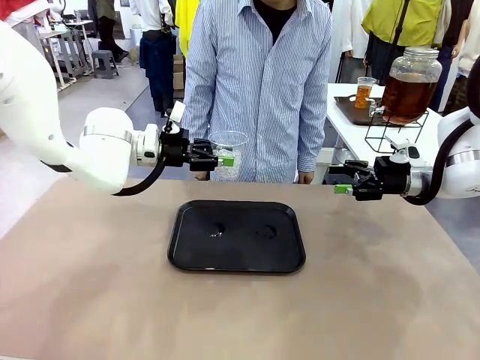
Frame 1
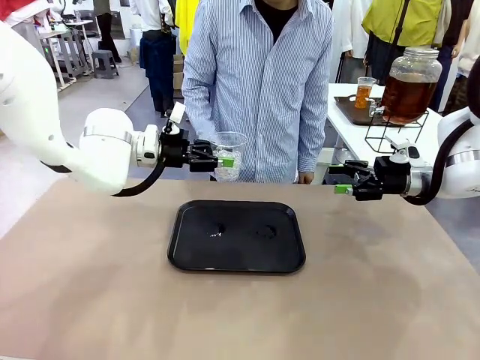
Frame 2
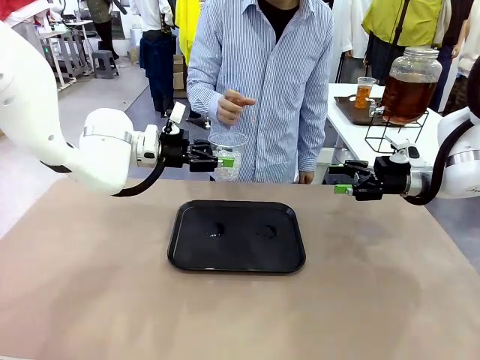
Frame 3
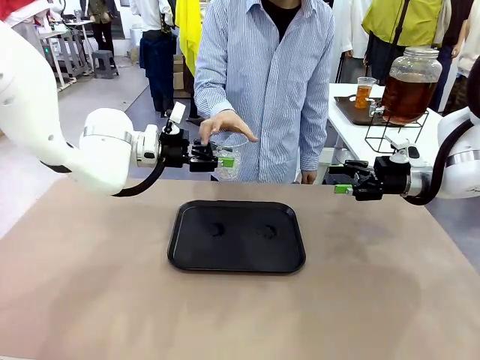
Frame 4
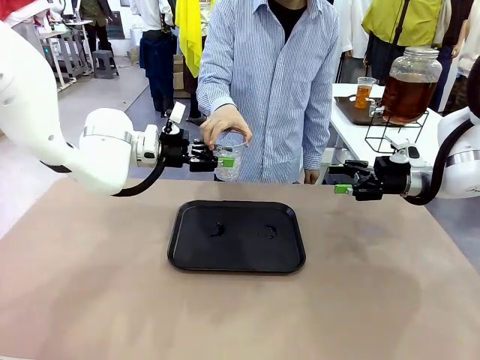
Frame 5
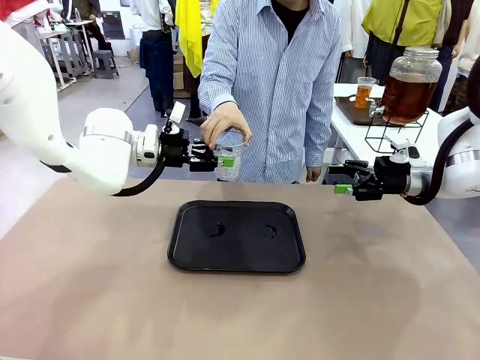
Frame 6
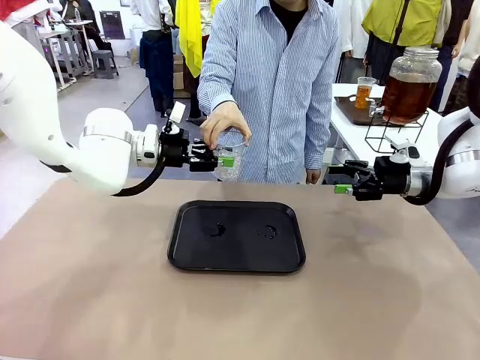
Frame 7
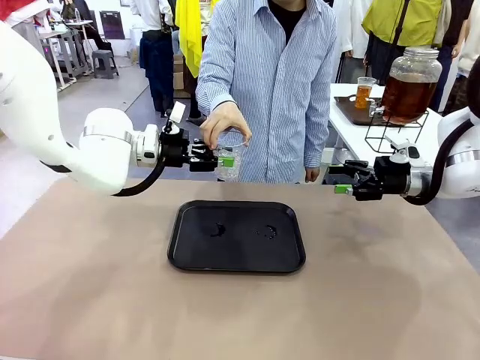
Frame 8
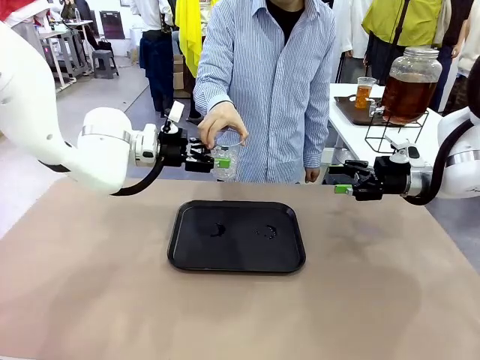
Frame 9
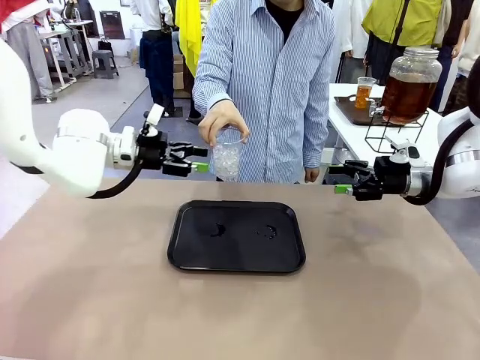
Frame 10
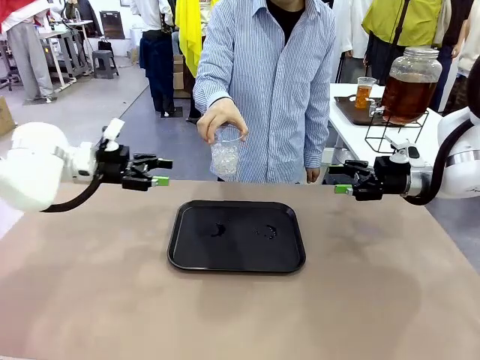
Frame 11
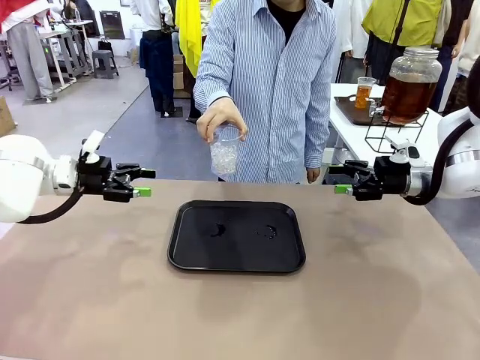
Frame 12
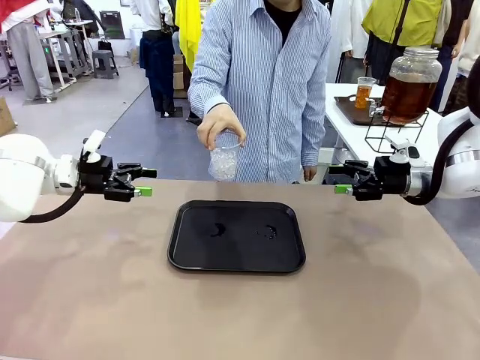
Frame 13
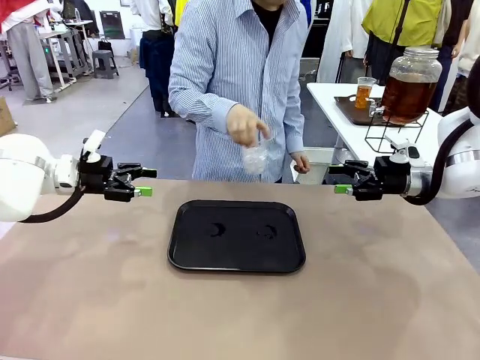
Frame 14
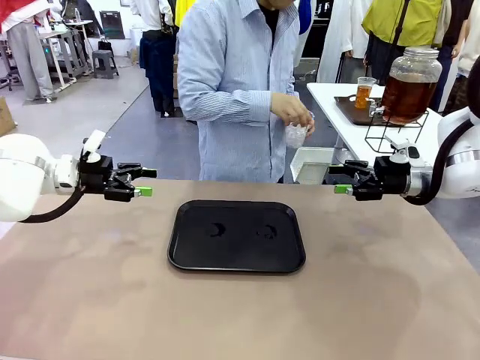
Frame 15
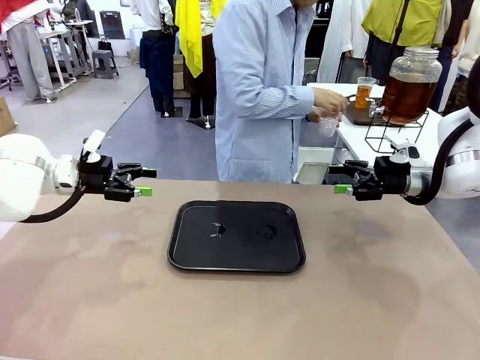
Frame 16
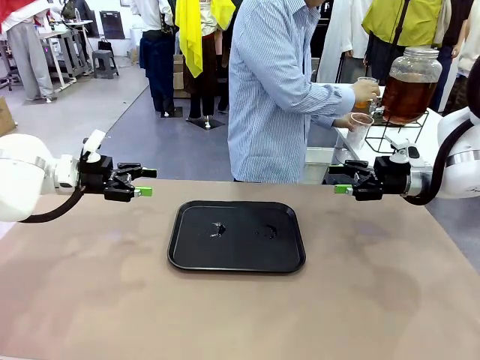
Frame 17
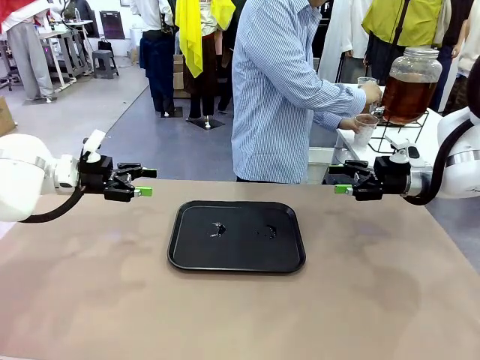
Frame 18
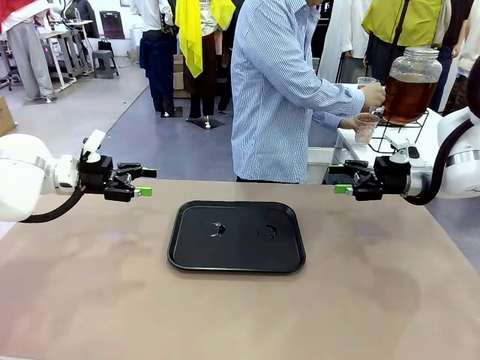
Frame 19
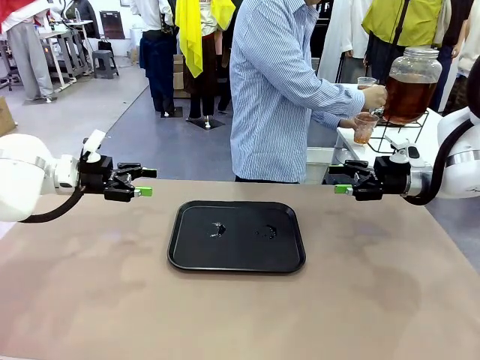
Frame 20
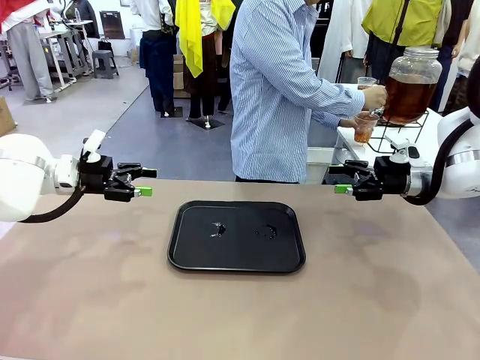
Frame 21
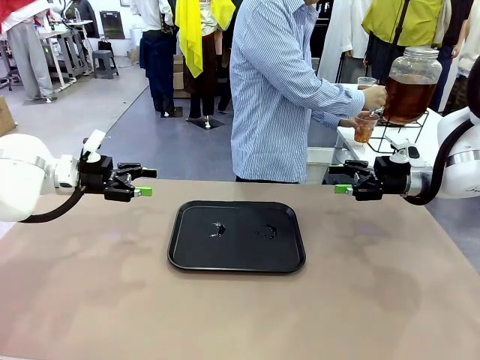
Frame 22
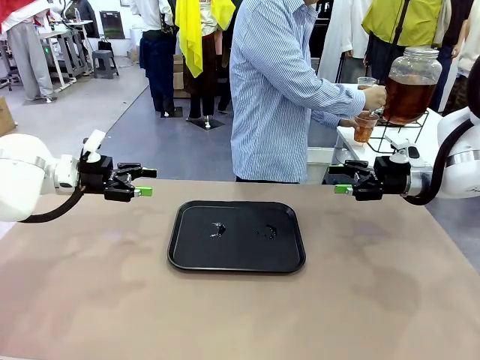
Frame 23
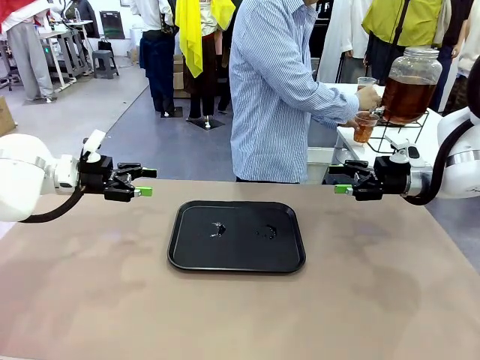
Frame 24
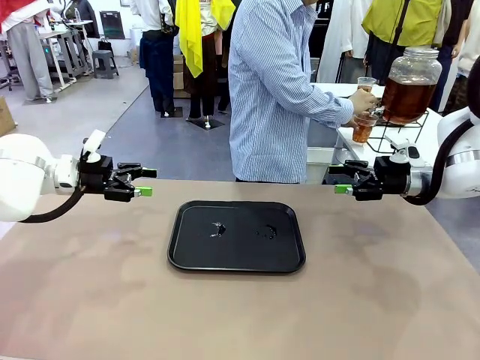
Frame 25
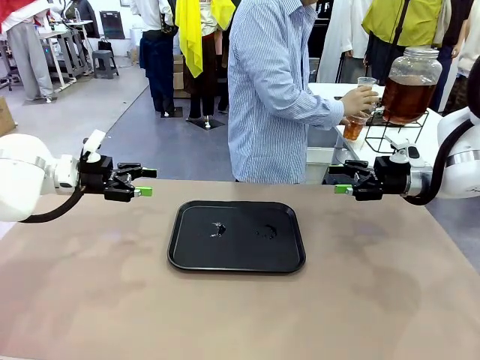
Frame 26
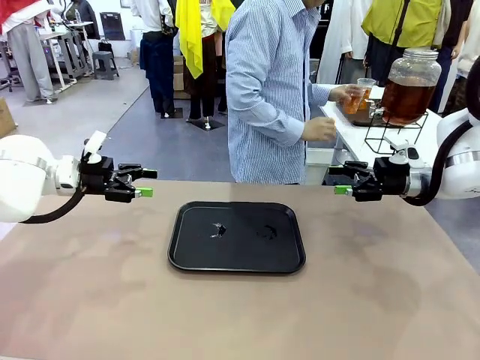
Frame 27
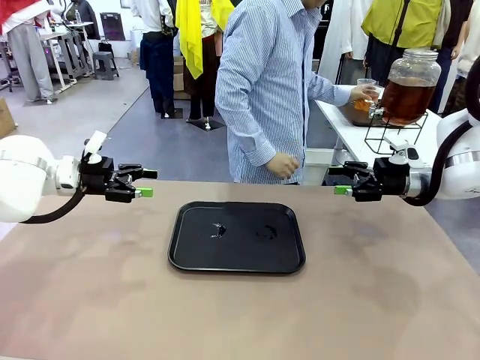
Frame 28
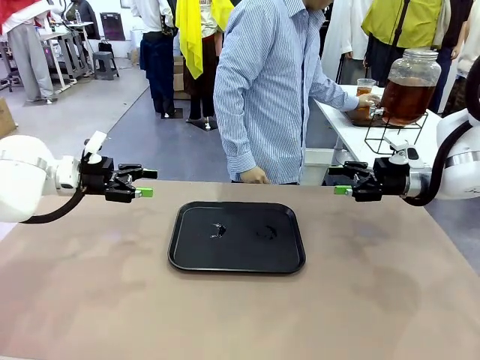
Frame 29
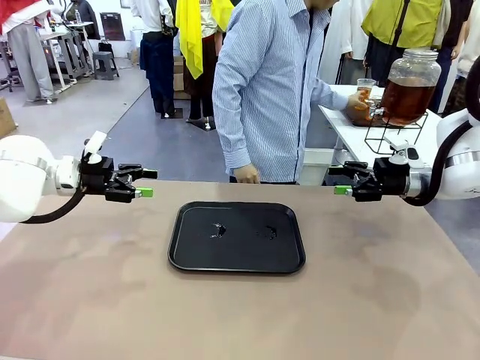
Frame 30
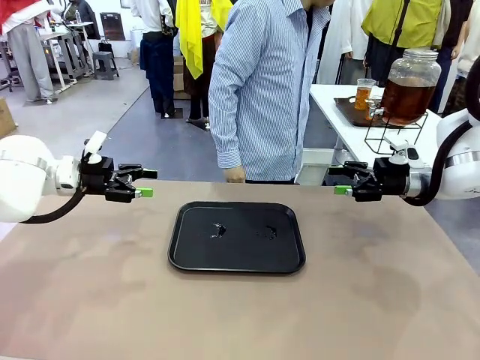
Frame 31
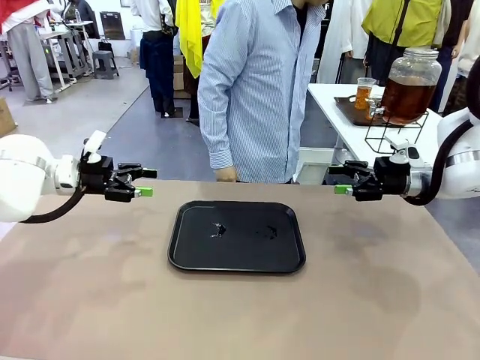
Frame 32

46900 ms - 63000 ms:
Task: Pour the drink into the iced cup.
Robot: Open the gripper to release the iced cup you were holding.
Person: Move the picked-up cup under the dispenser faucet, pour the drink, and place it on the tray on the human table.

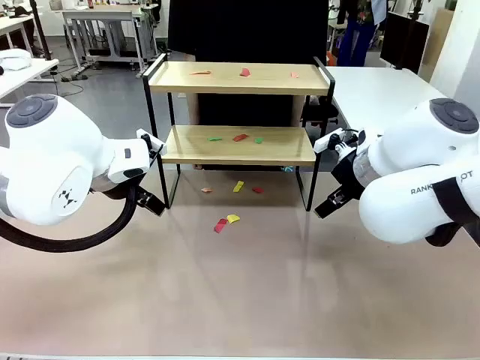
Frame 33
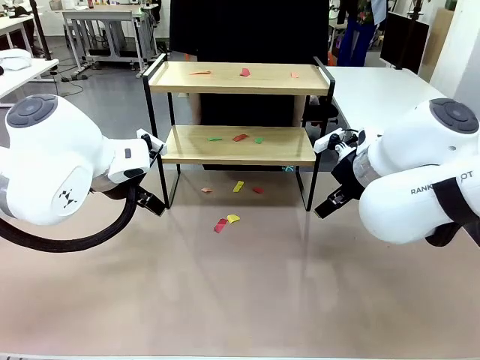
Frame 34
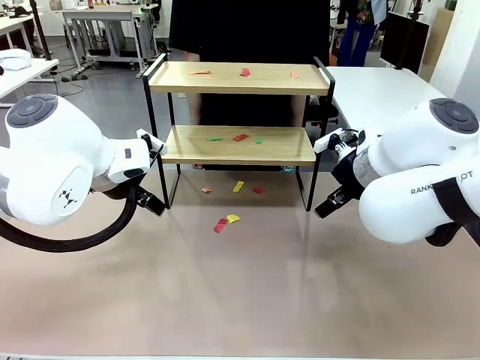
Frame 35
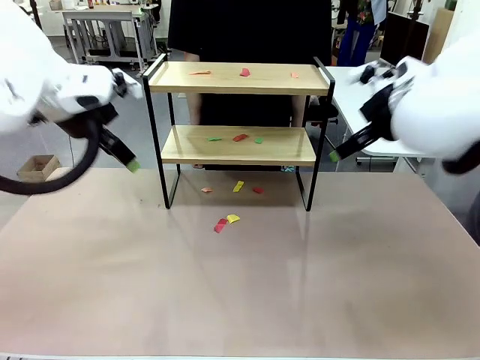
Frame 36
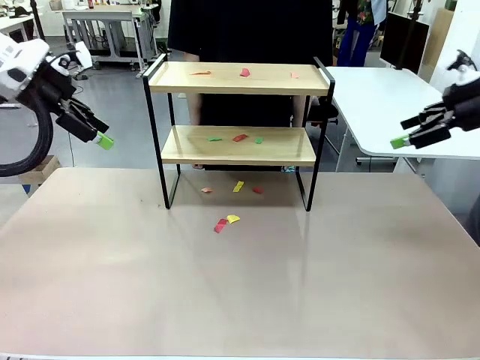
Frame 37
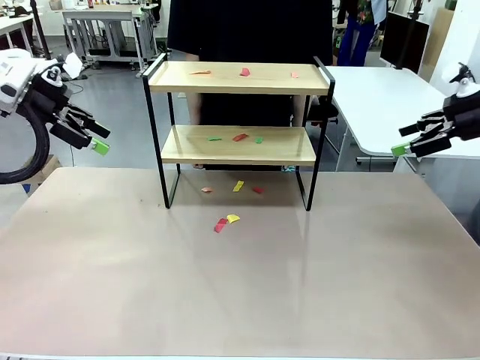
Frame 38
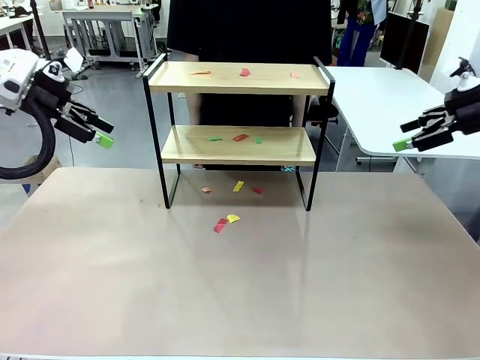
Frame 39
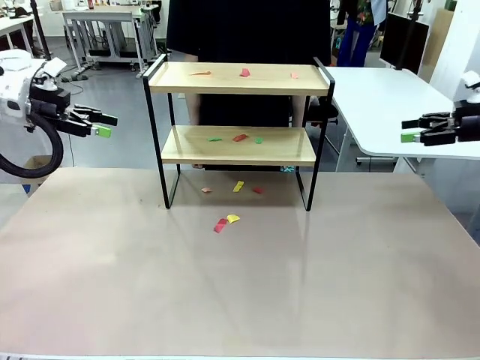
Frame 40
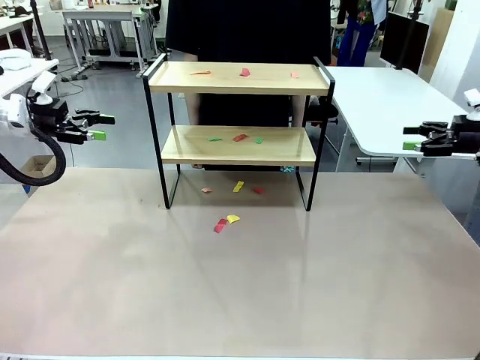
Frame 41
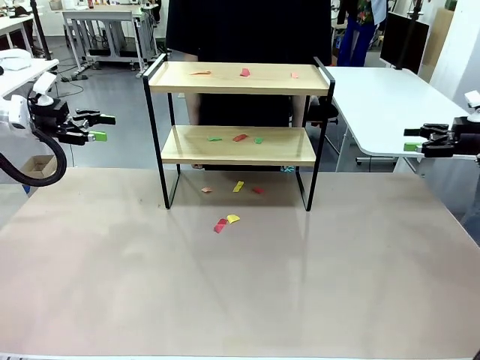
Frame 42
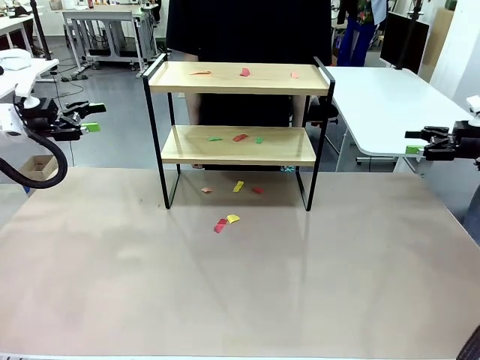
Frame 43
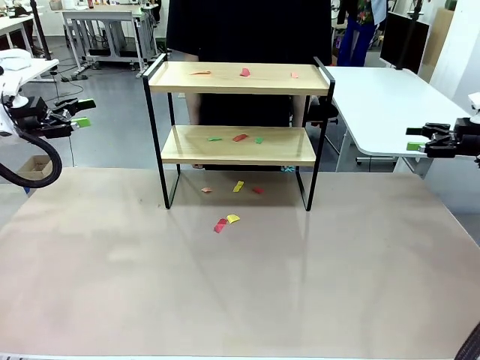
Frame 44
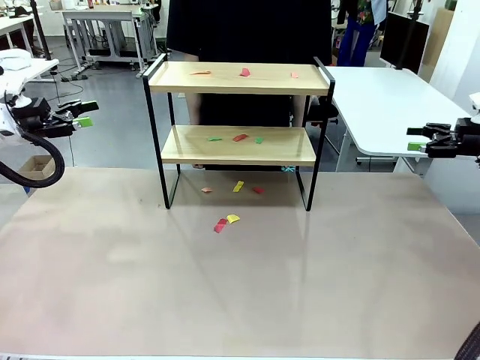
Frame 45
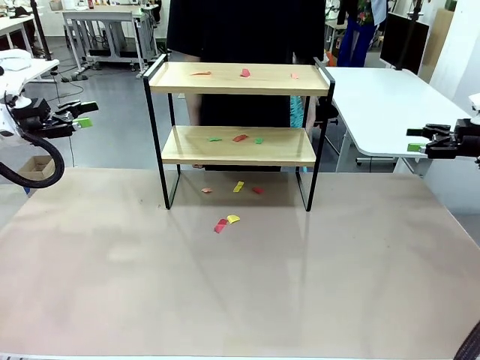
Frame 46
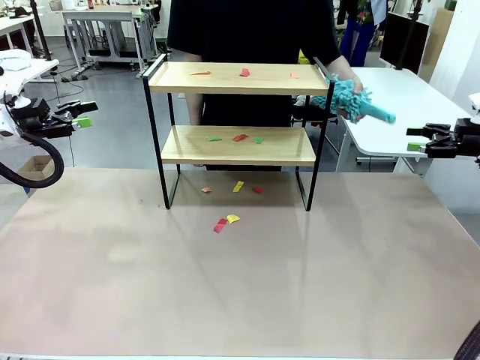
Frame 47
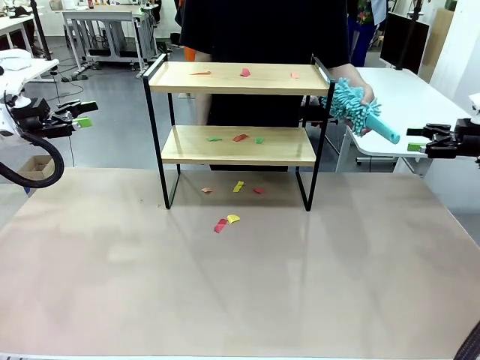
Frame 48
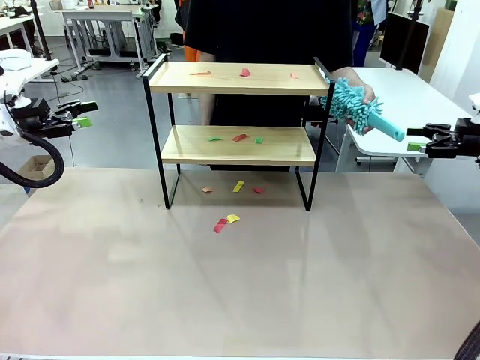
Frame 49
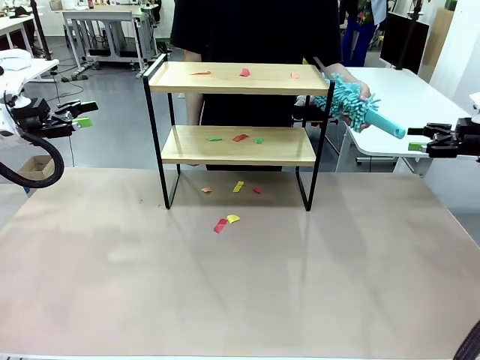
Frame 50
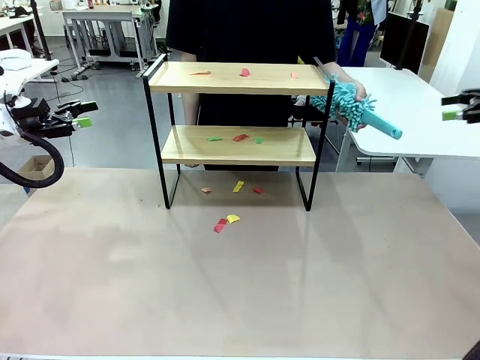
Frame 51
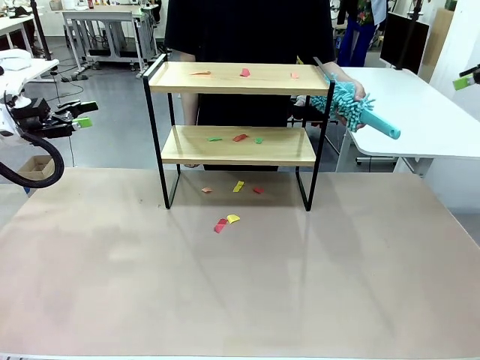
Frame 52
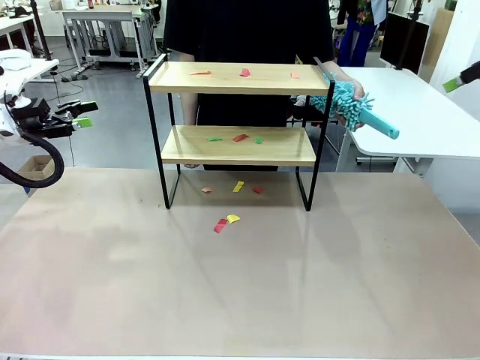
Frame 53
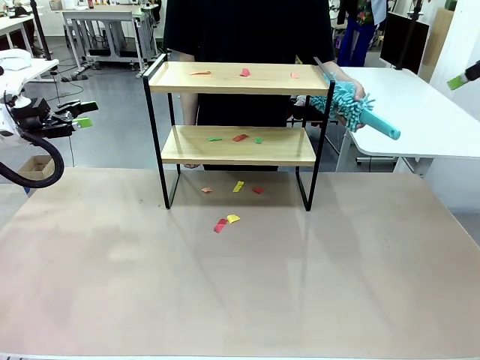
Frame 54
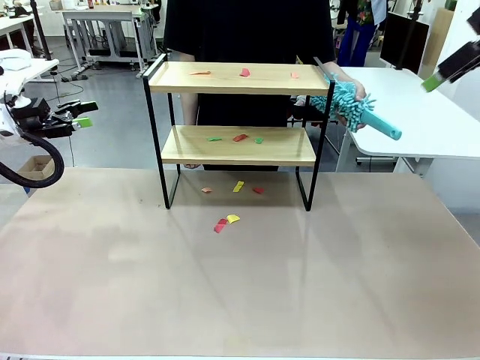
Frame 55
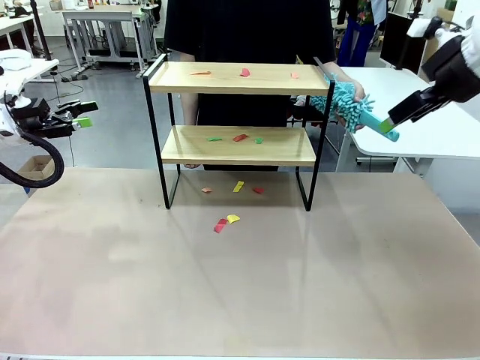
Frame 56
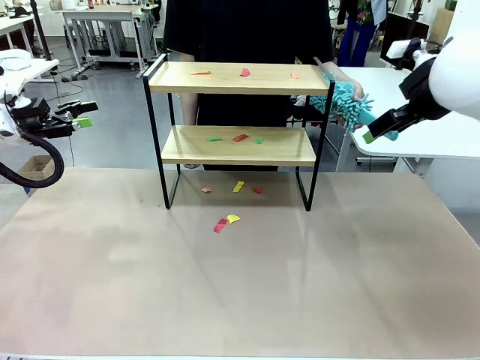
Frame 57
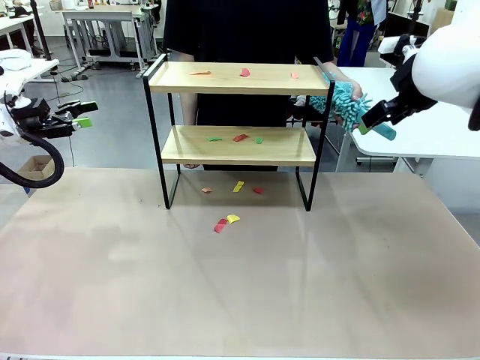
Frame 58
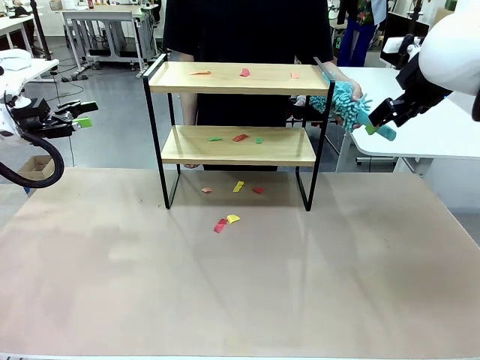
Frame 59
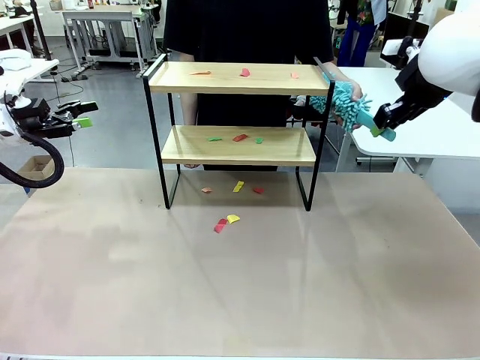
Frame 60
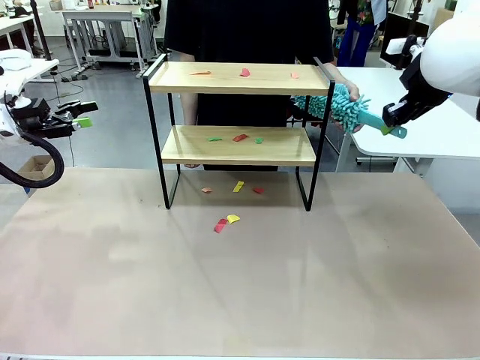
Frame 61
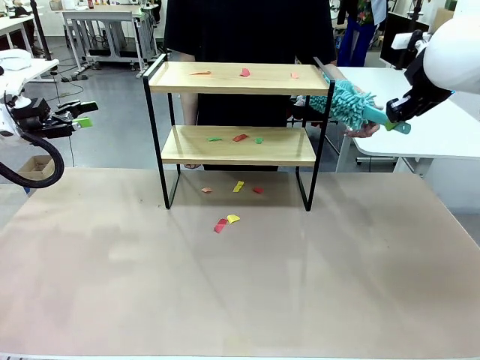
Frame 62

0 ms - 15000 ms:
Task: Clean the shelf.
Robot: Pick up the Duster handed by the human.
Person: Hand the Duster to the robot.
